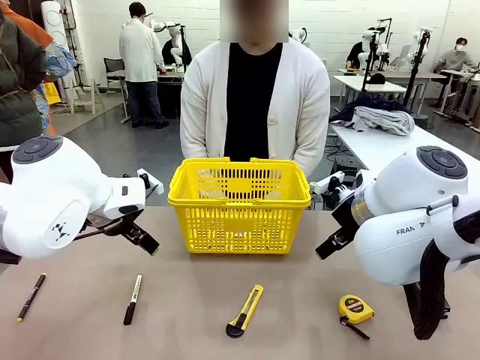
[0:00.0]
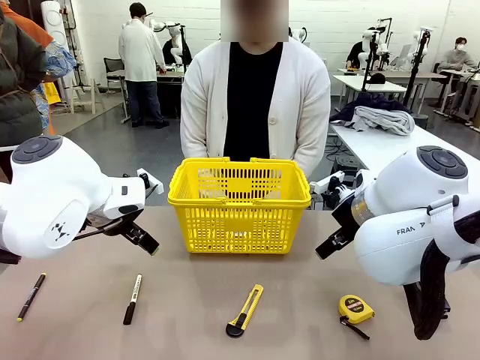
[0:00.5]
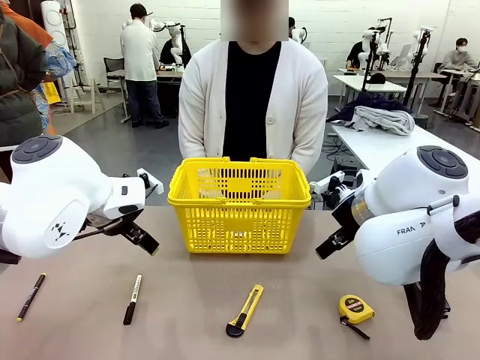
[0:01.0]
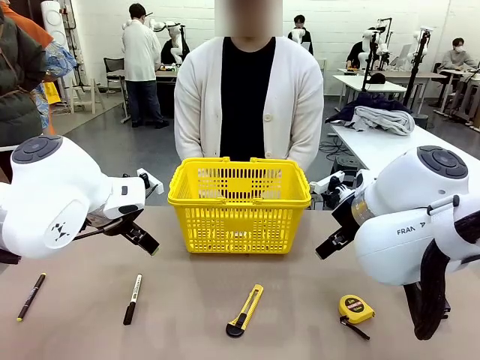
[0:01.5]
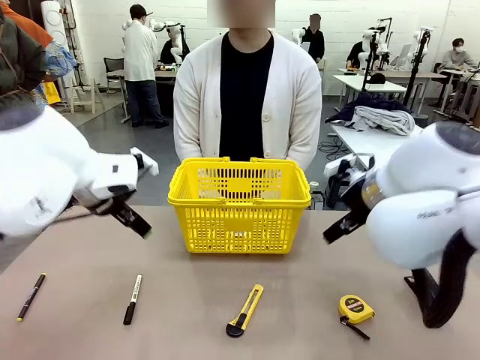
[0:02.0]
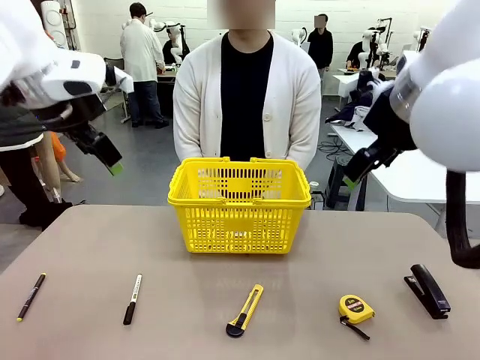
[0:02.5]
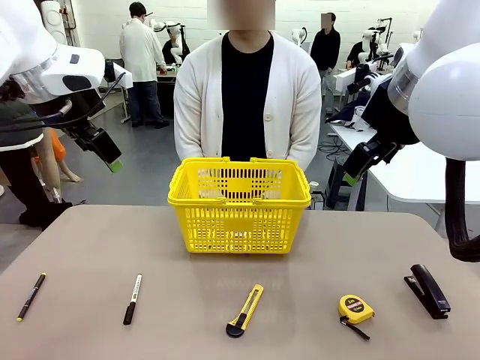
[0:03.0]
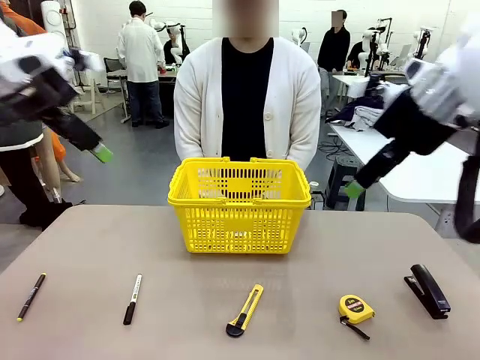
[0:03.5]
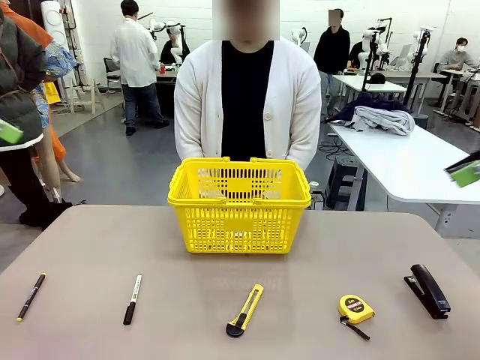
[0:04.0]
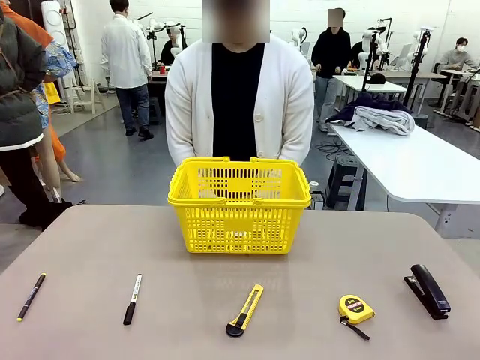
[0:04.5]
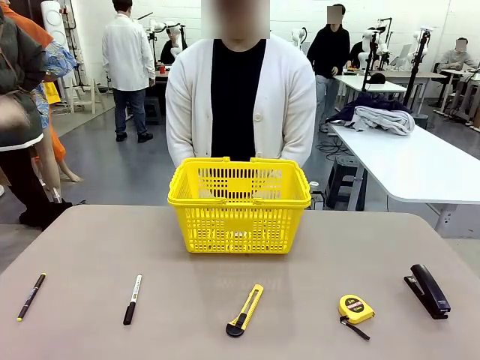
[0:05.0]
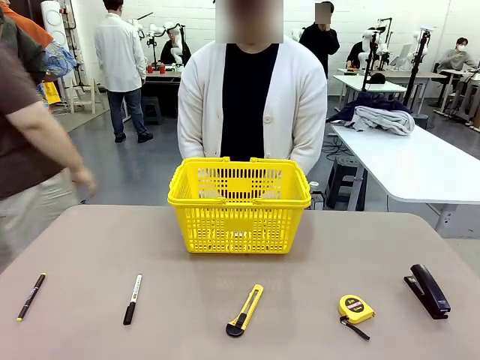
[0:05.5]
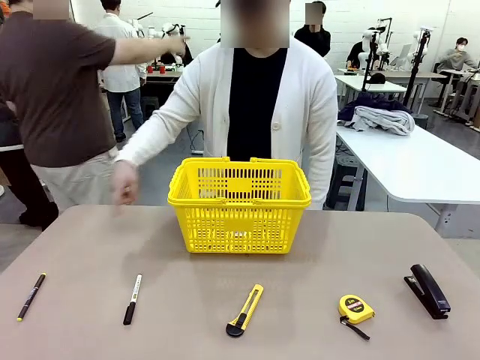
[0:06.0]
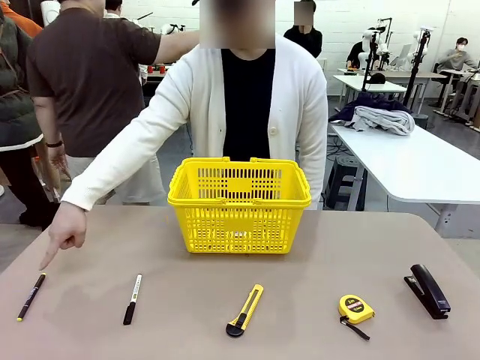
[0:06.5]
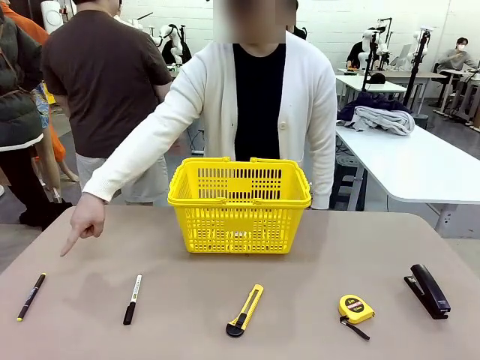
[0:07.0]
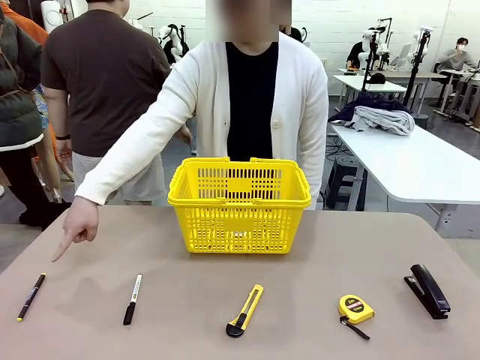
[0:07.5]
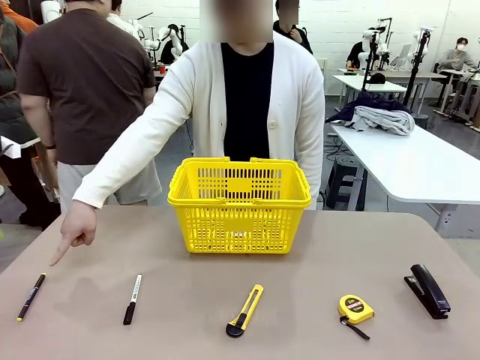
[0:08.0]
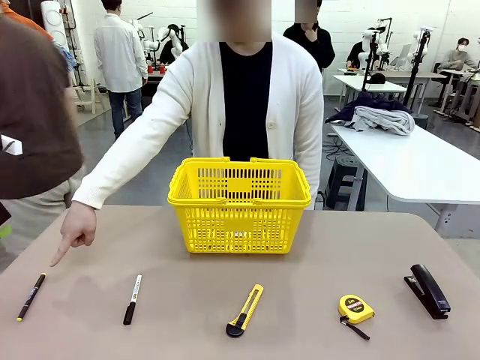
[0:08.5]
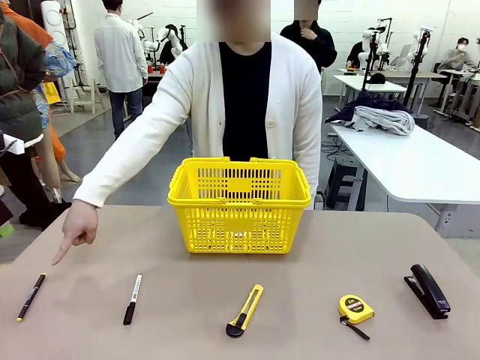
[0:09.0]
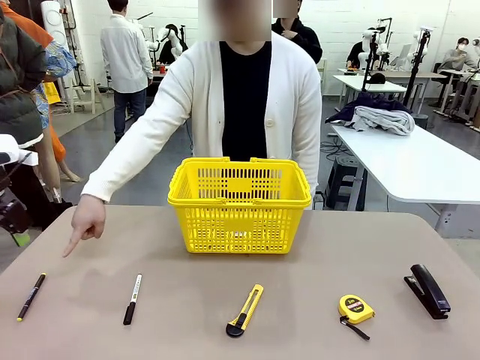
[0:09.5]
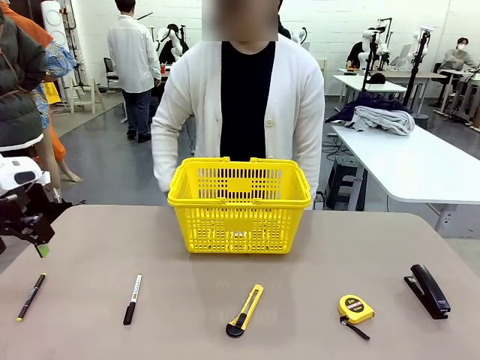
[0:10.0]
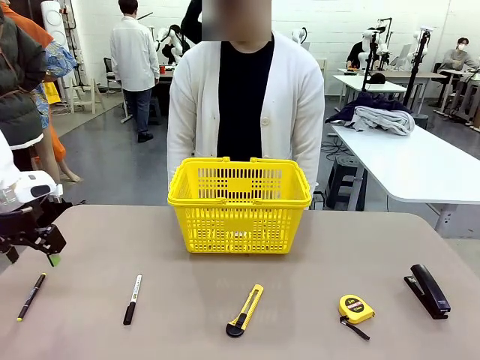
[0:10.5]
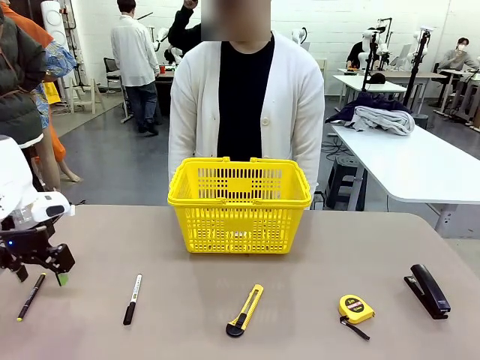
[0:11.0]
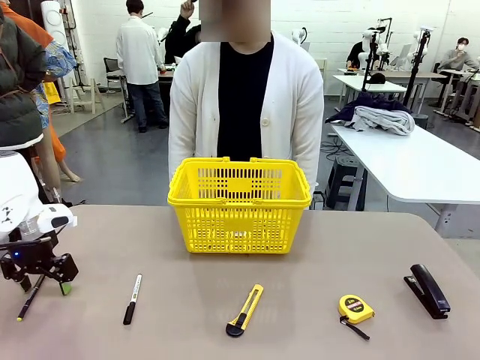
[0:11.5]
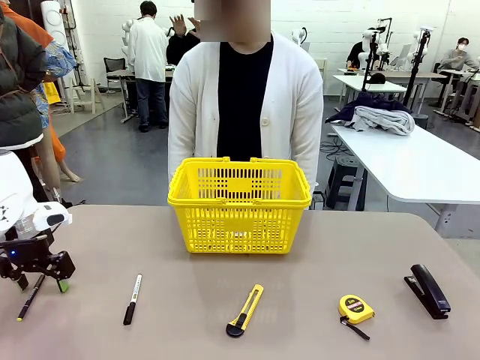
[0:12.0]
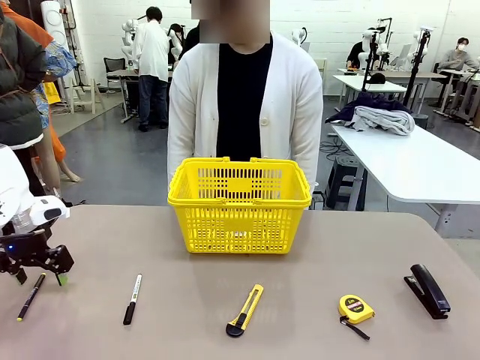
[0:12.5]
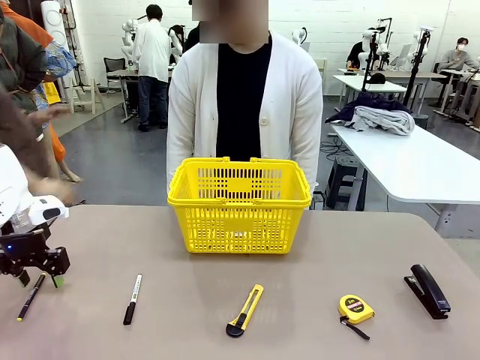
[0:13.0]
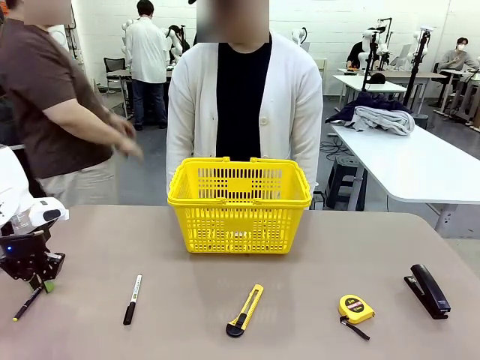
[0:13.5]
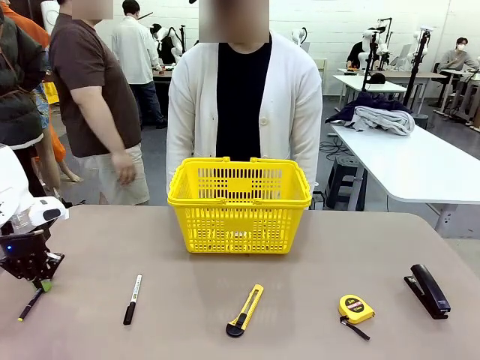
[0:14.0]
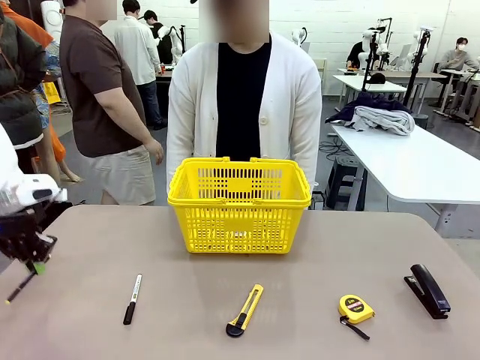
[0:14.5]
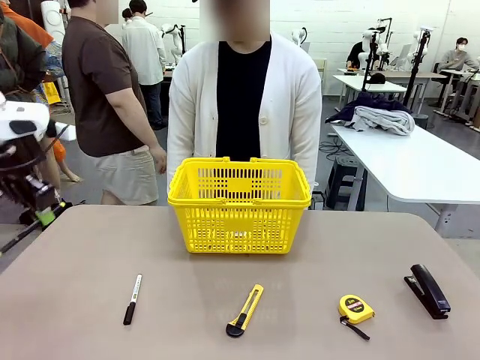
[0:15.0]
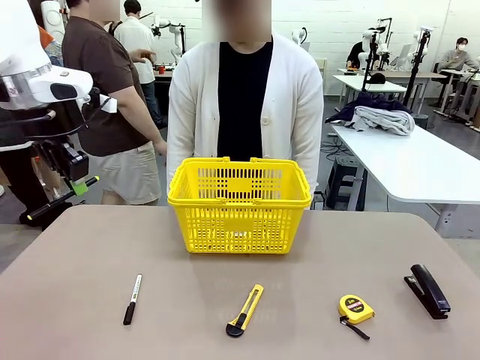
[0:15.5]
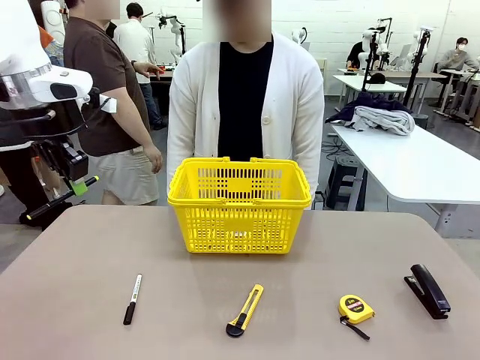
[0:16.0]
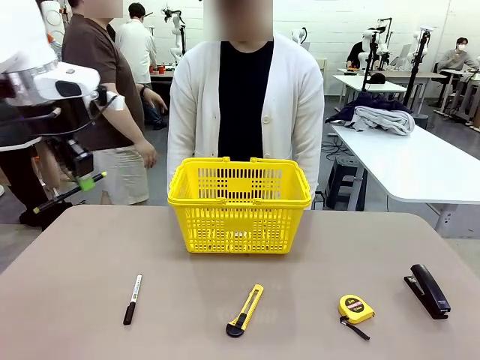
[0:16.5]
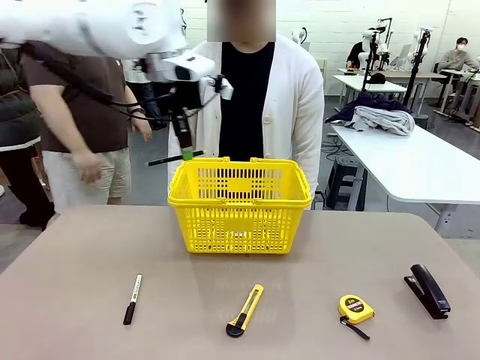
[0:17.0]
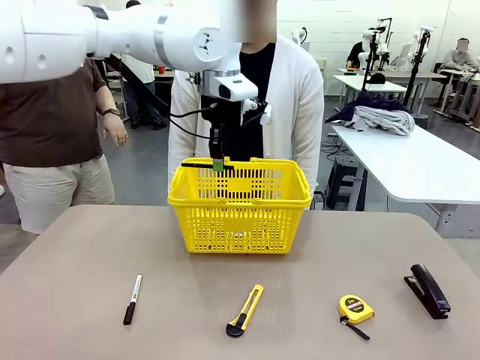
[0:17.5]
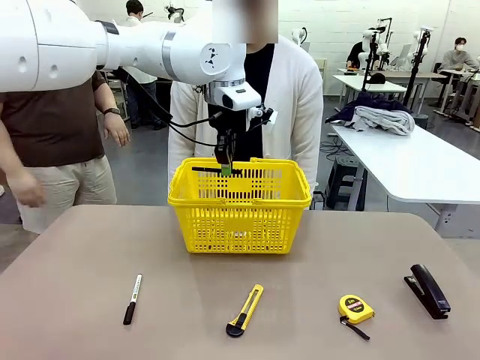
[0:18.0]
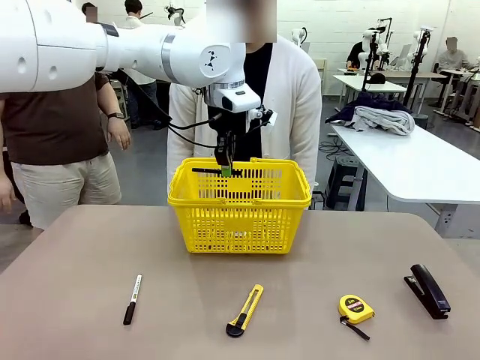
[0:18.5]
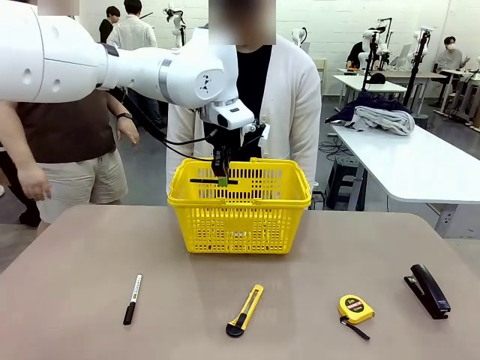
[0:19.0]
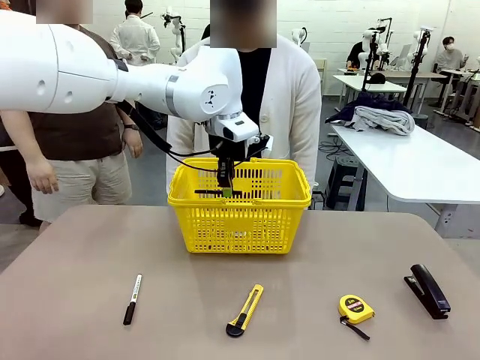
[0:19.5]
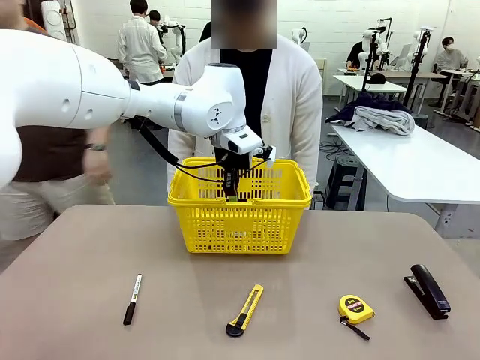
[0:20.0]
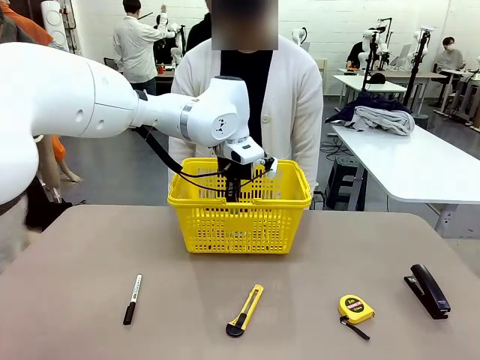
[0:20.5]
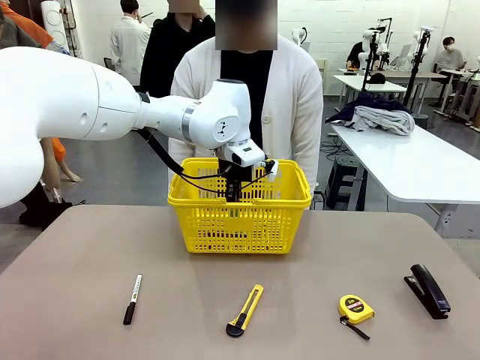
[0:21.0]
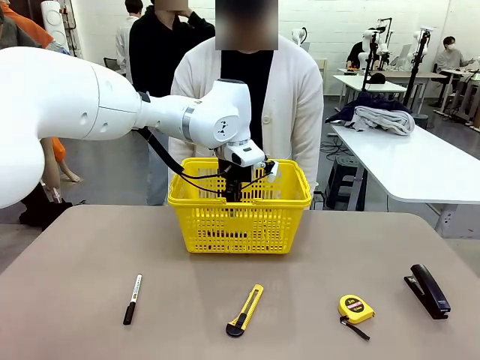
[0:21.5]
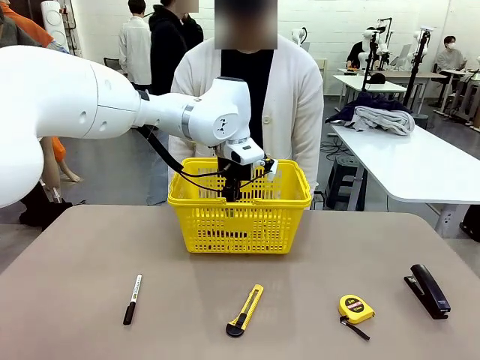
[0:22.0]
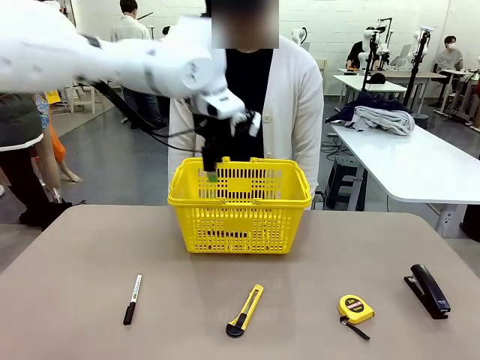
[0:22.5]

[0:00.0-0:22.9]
Task: Place the items the person wants into the basket.
Robot: Pick up the item the person points to and place it in the Market Basket.
